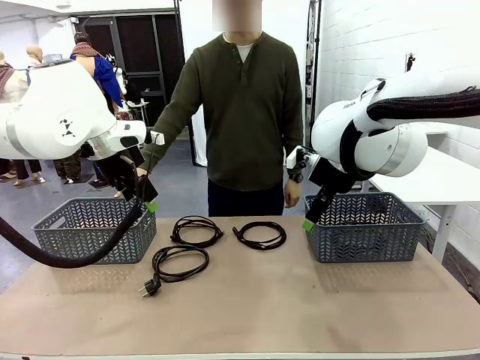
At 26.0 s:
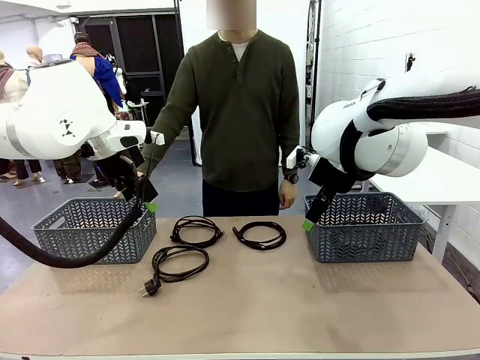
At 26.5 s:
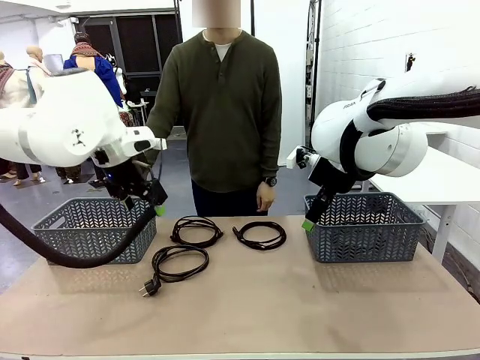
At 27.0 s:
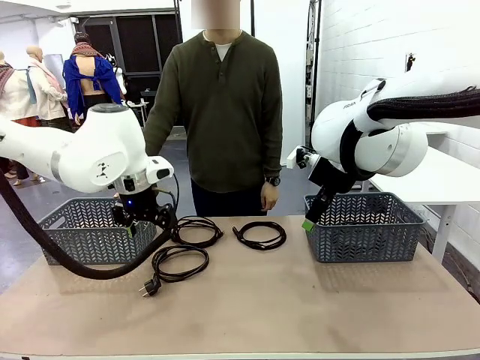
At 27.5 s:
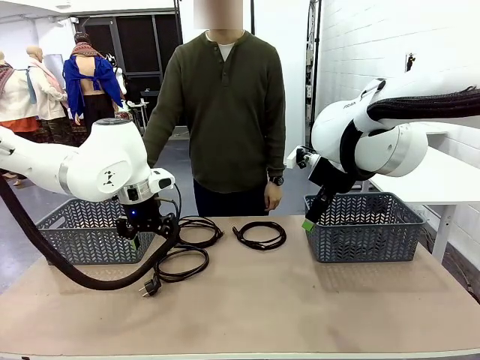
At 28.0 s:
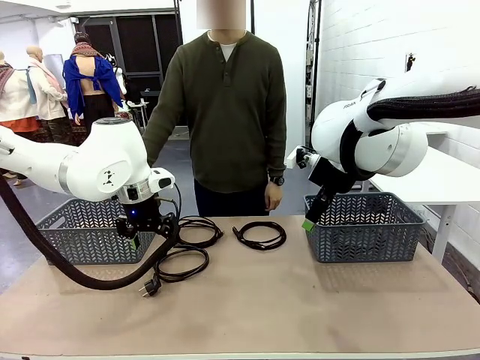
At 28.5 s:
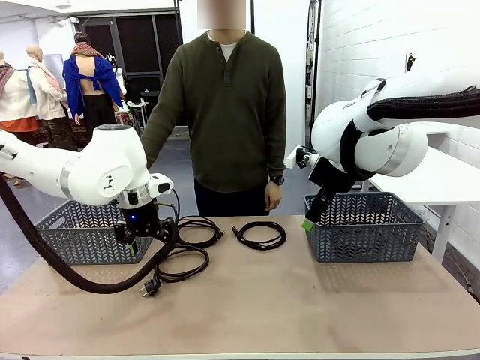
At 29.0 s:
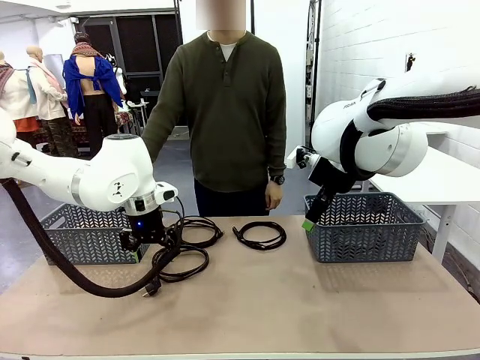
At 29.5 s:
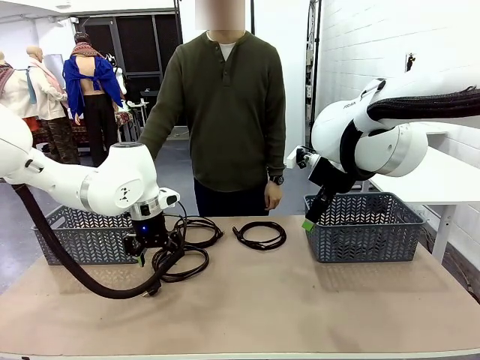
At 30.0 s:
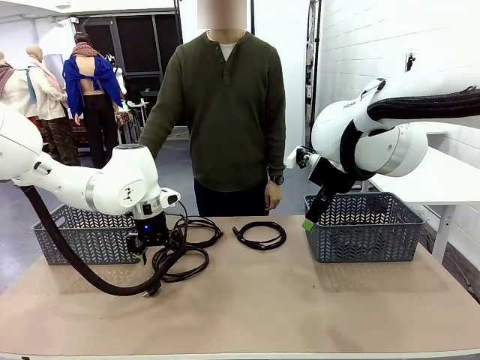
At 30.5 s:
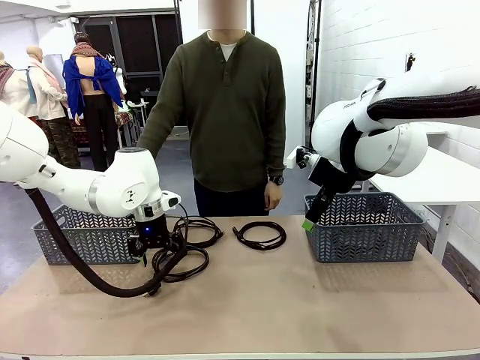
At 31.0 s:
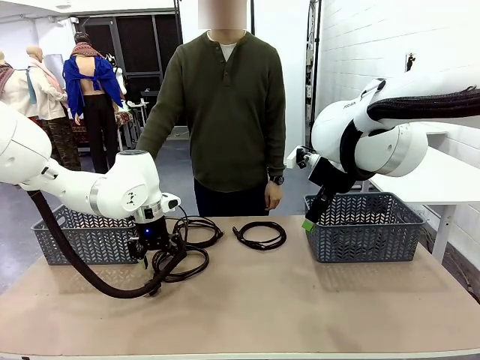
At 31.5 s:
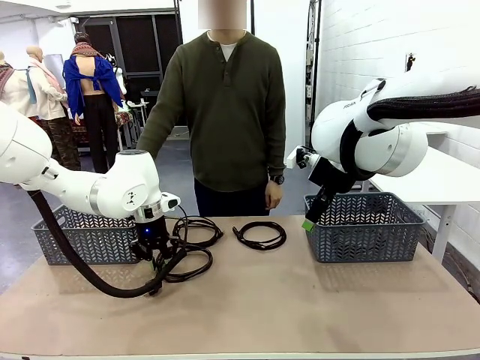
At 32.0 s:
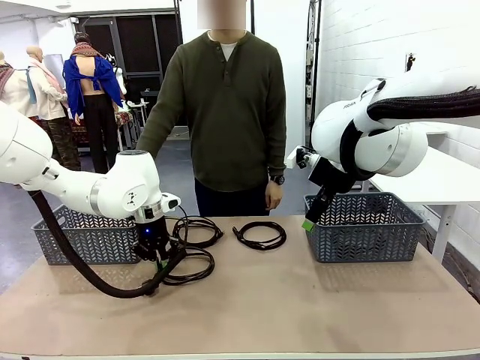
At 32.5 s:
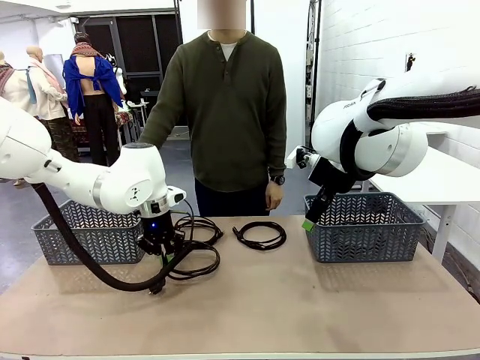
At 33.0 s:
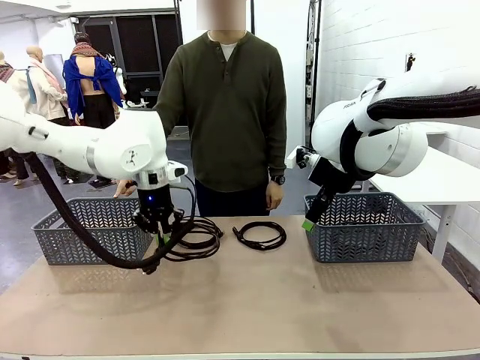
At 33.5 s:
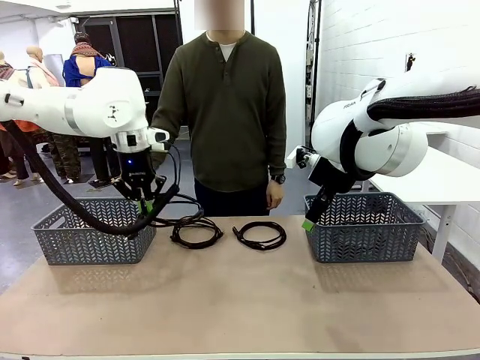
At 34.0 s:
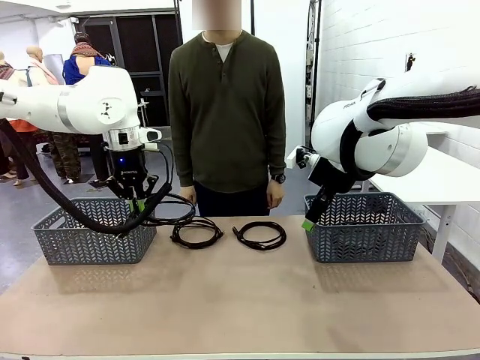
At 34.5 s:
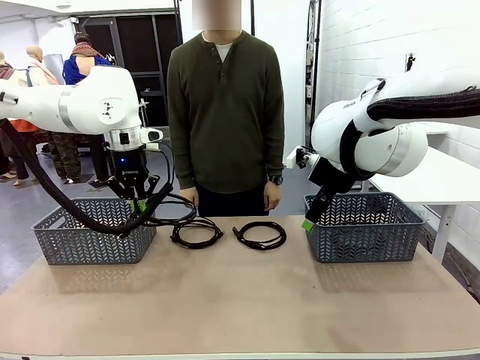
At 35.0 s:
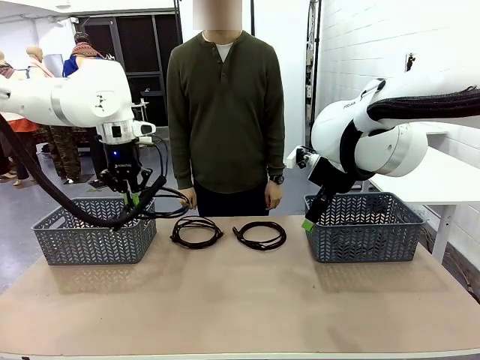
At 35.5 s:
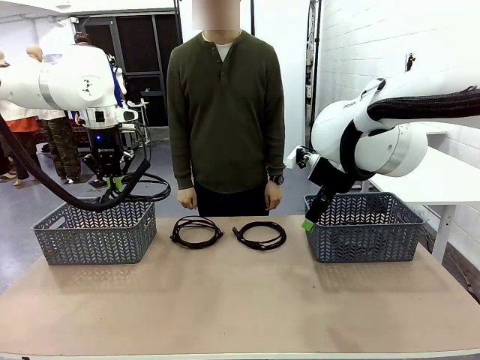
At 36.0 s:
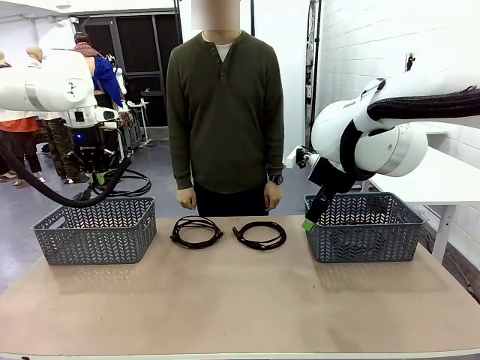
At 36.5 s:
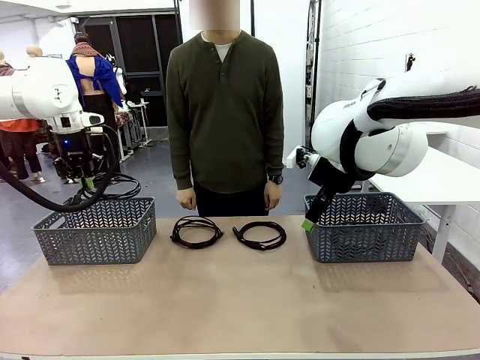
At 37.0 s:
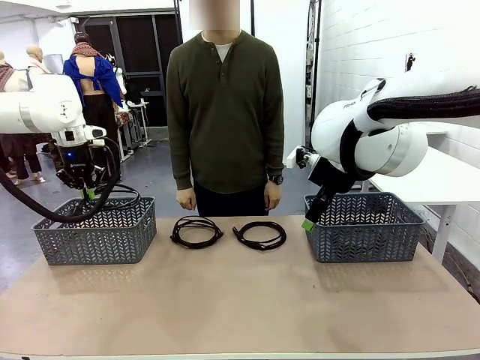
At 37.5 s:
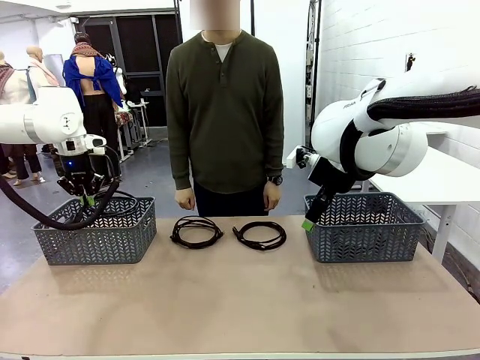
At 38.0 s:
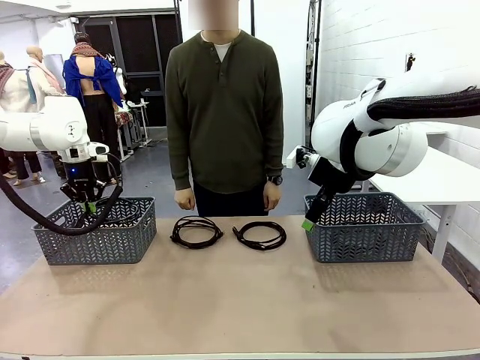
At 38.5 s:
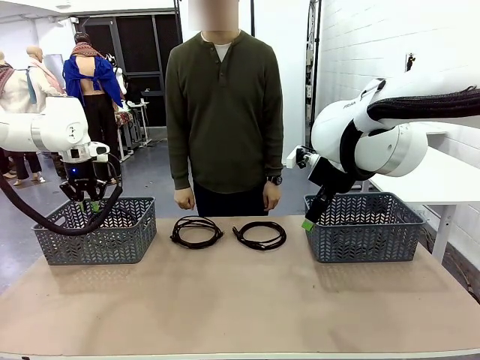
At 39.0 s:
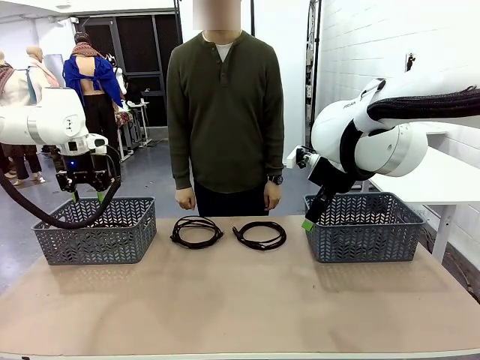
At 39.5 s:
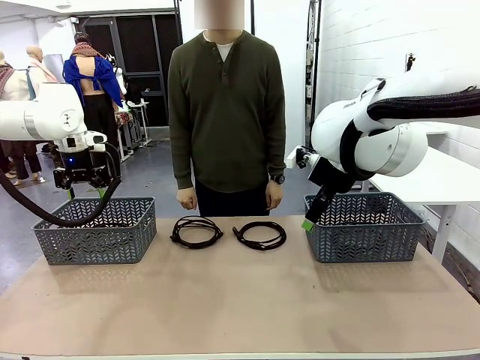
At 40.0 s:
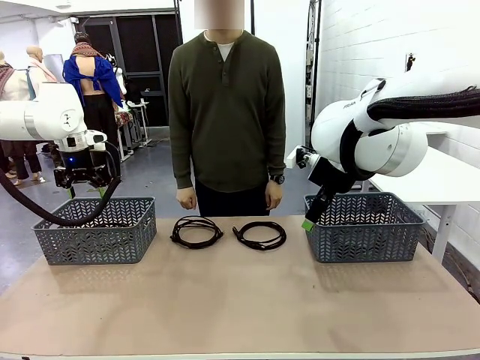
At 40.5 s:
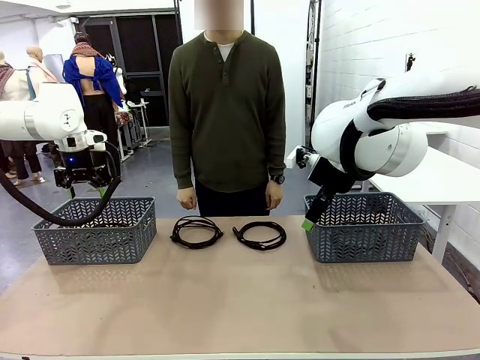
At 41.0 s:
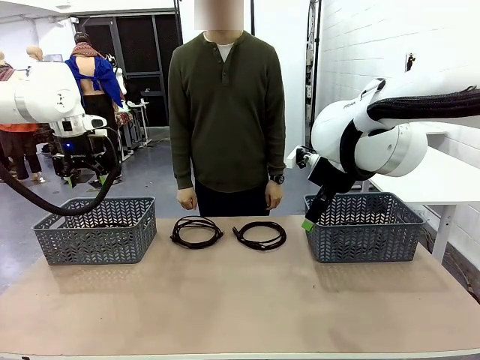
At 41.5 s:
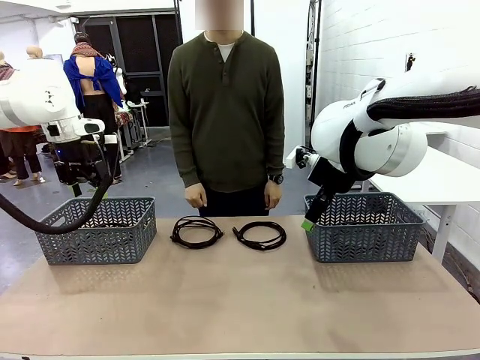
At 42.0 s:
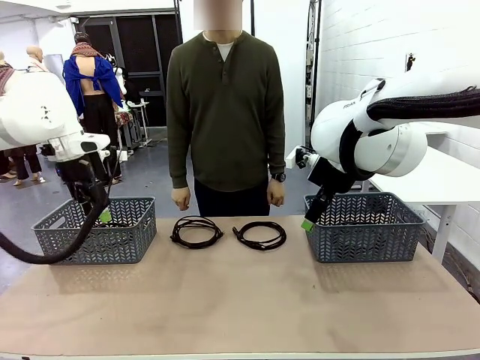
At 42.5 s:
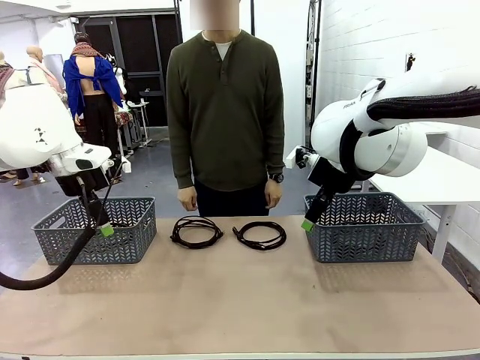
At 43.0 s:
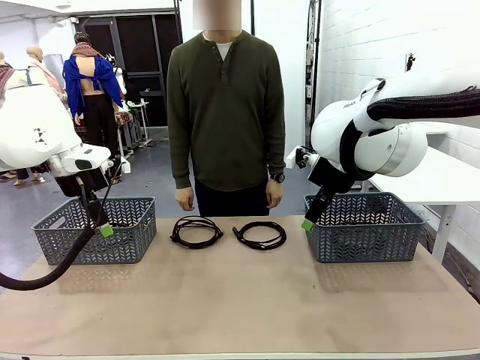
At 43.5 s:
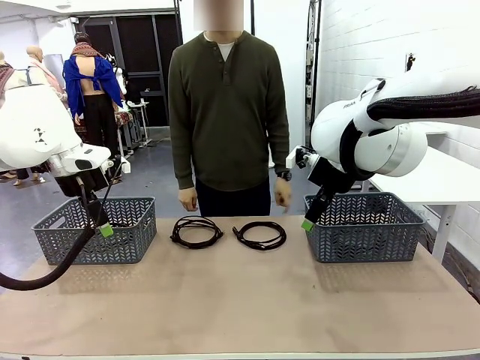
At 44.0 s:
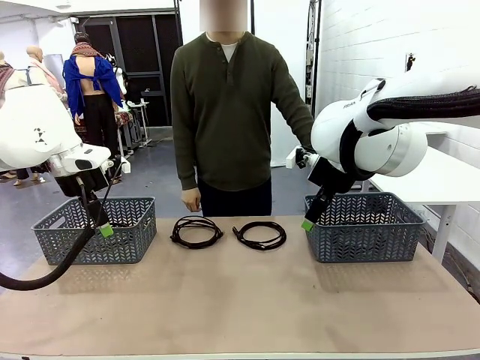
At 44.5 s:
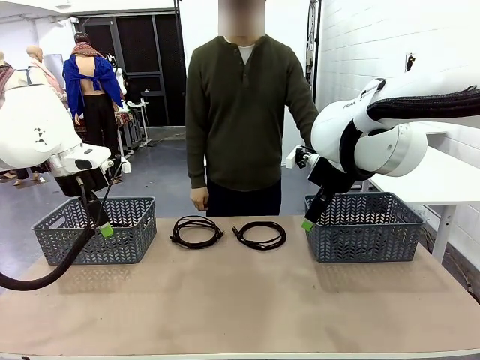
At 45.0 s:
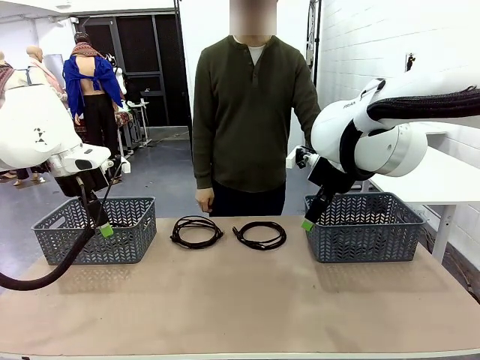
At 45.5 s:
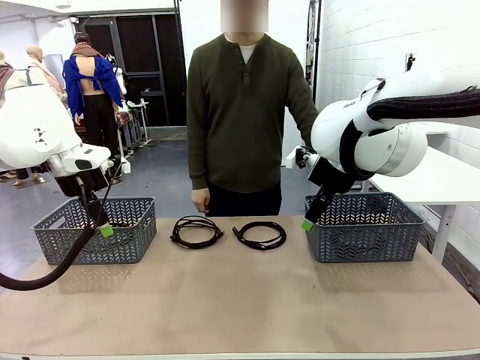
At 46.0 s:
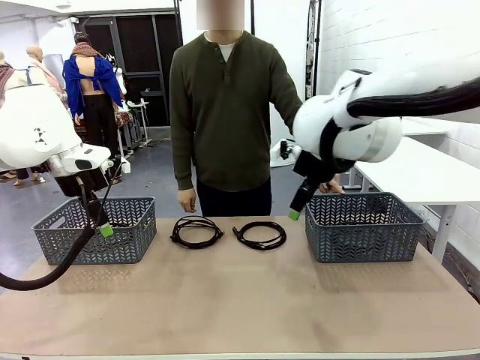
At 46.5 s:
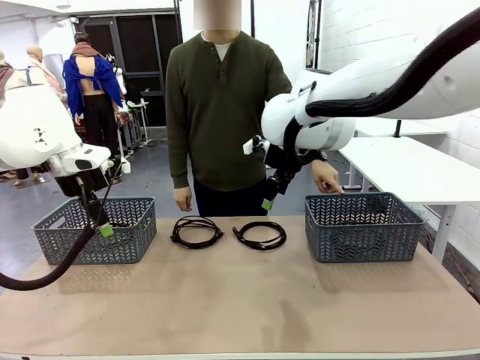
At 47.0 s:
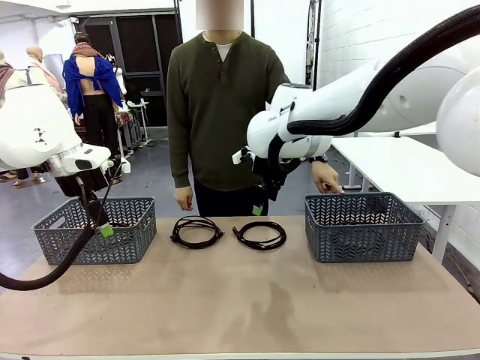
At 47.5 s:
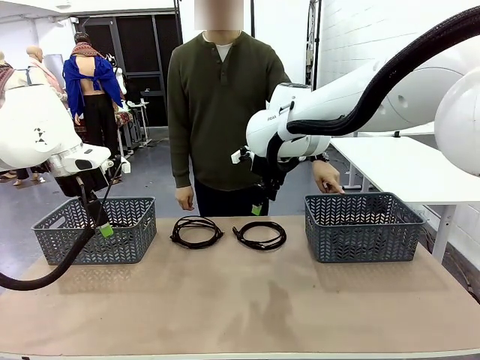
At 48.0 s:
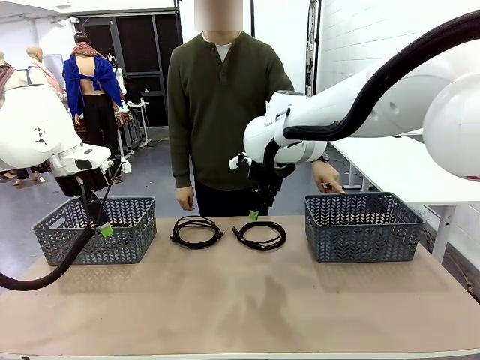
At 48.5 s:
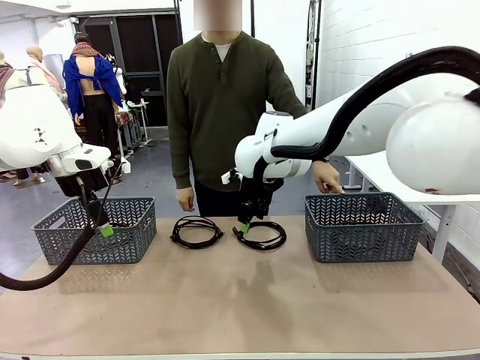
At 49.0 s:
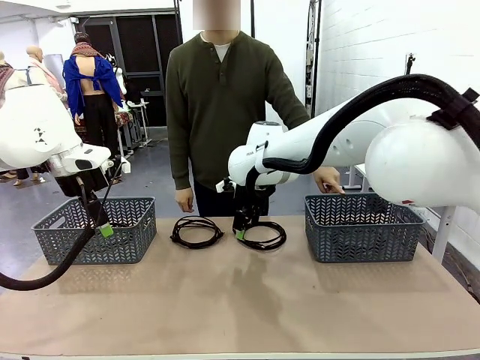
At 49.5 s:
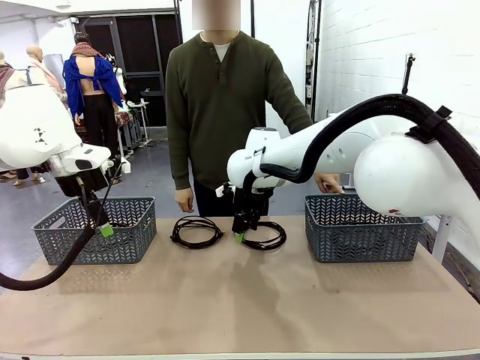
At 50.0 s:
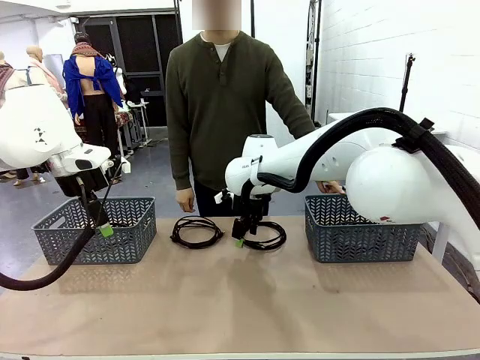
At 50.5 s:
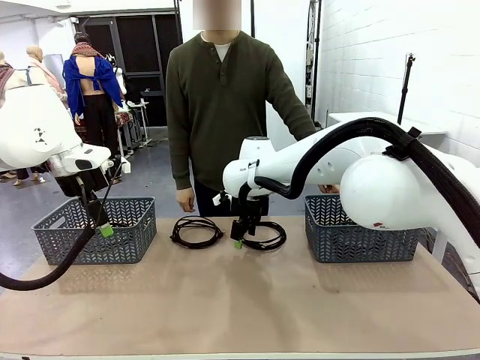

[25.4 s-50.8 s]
Task: Organize the cables according to human instructions.
Robot: Pick up a bundle of cables and place it in the basket indicated by the human.
